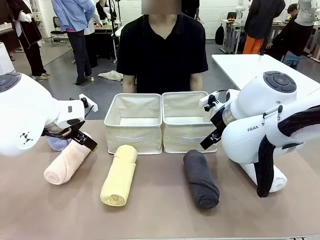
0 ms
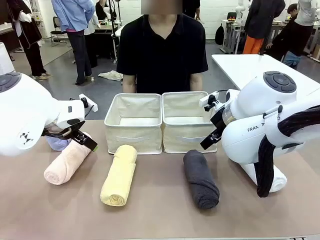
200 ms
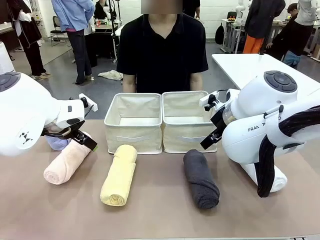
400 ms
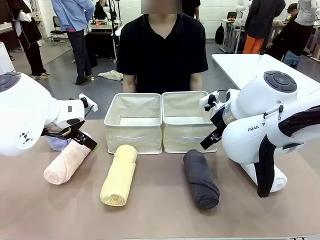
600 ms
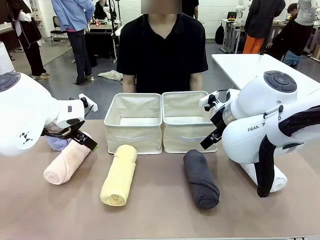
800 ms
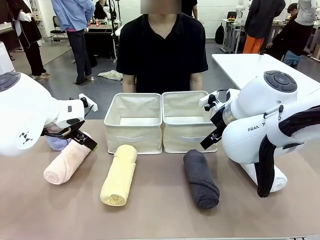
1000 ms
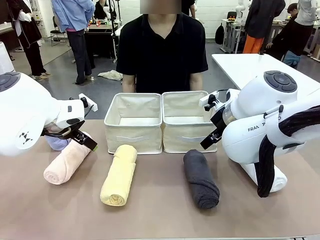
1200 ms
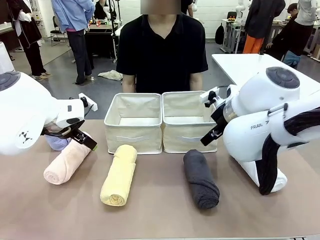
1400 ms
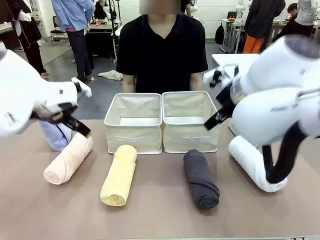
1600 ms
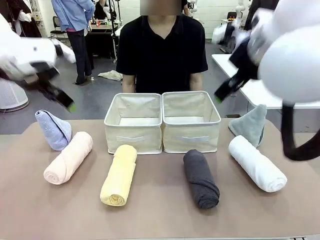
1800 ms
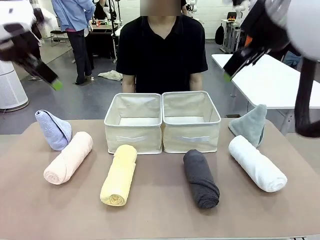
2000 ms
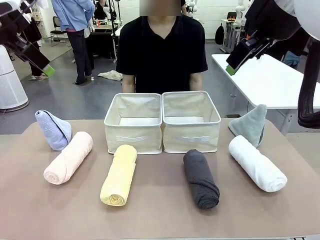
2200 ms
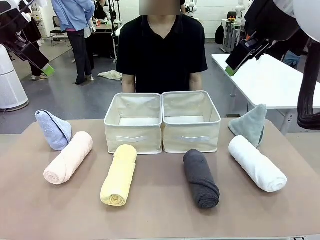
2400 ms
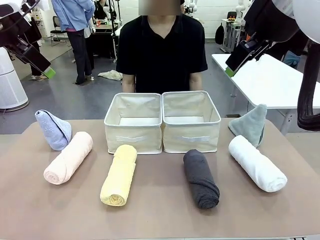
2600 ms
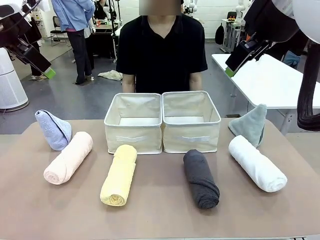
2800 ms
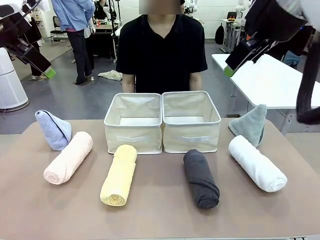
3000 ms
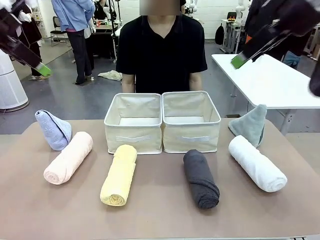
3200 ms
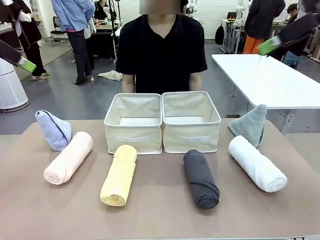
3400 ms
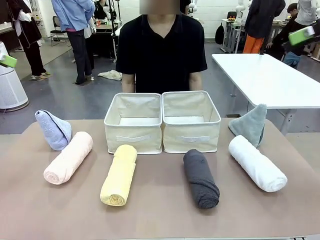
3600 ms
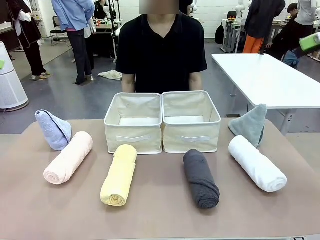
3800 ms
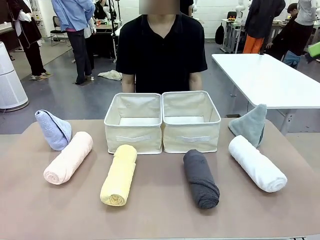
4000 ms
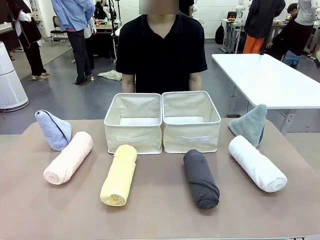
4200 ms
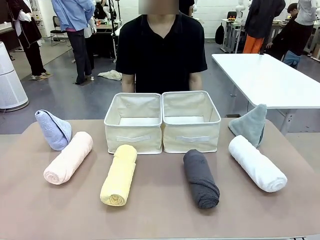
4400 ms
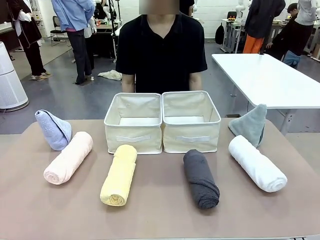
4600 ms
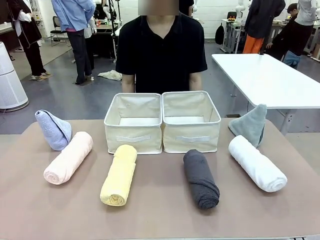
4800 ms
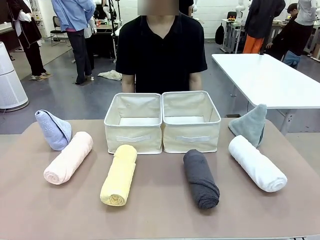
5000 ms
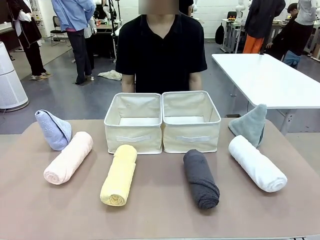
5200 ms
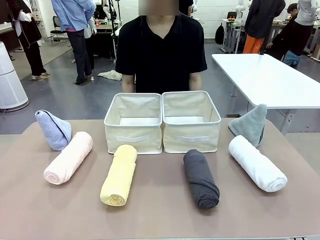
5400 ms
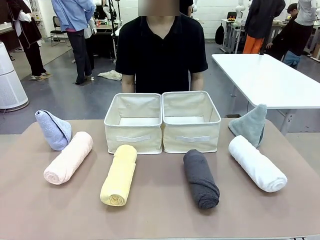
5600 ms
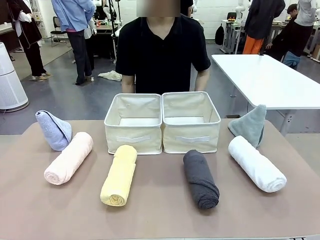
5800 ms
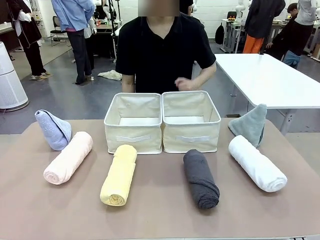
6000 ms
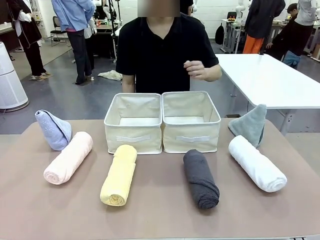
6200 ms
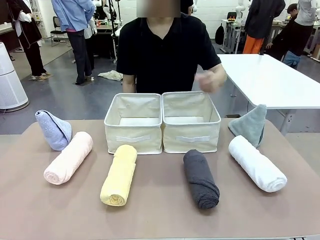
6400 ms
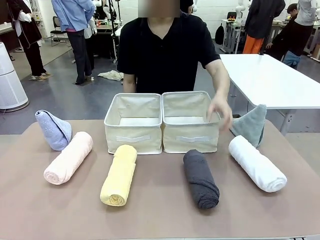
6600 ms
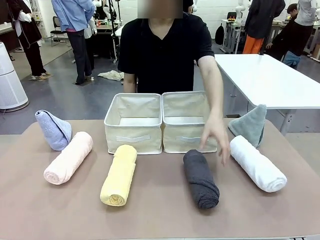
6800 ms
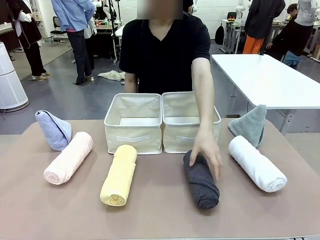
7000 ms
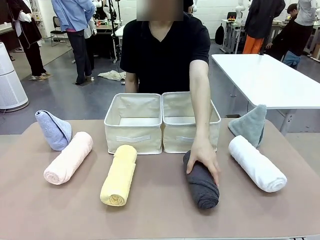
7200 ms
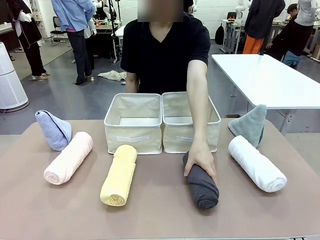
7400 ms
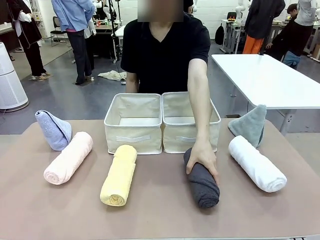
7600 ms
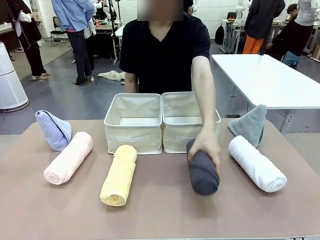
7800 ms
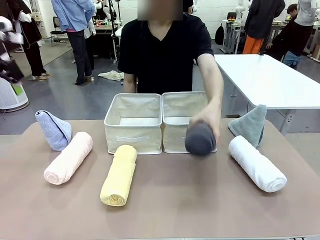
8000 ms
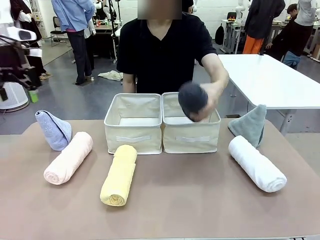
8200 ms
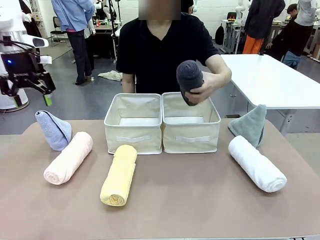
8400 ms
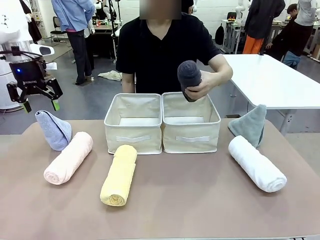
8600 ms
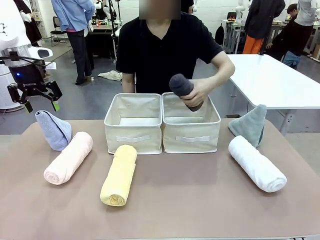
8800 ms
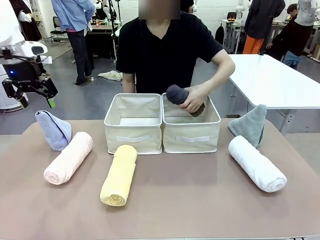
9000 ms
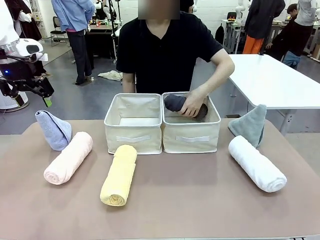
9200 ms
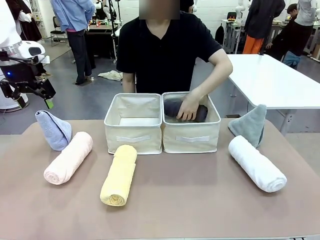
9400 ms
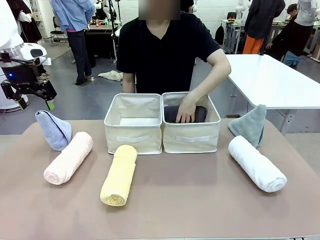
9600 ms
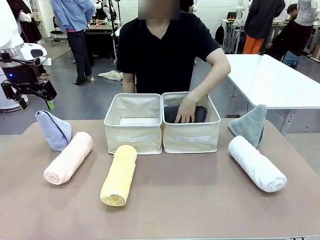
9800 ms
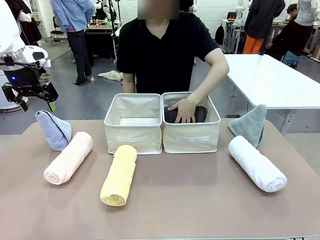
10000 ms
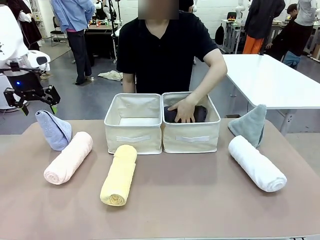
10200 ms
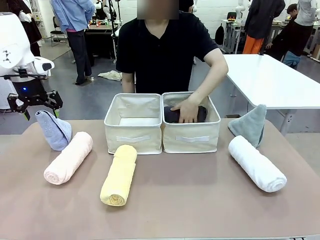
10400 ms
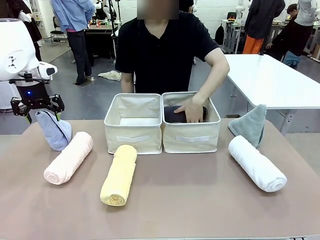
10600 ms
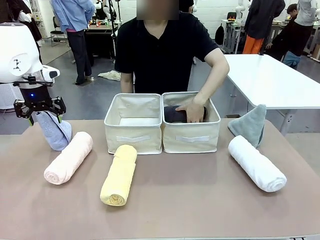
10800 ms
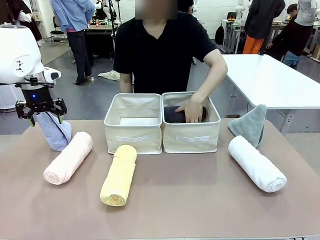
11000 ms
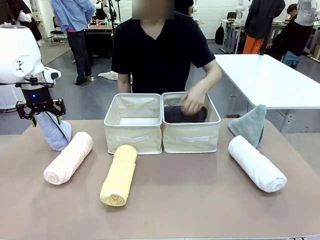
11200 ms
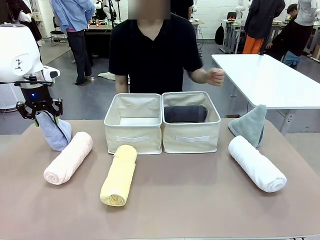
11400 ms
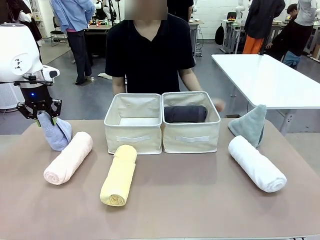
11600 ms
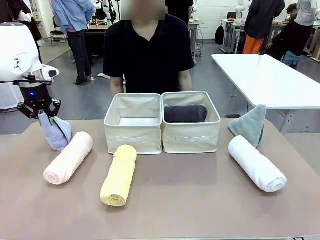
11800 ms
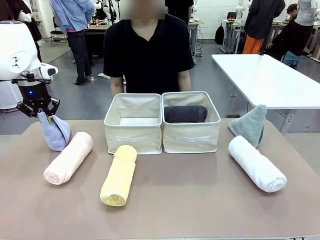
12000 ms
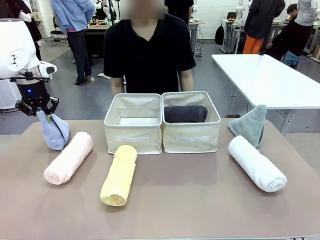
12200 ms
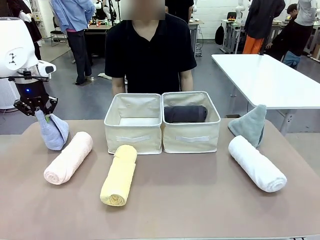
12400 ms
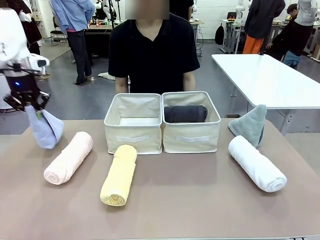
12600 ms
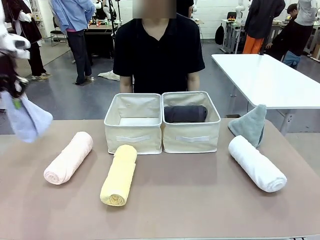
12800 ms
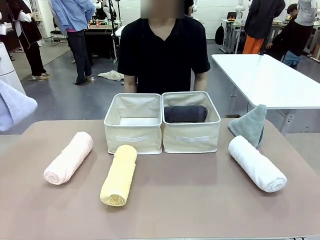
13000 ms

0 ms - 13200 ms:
Task: Sort the towels based on their folding style.
Robot: Pick up one triangle-folded towel and place it in the left Fabric basket.
Person: Pick up one hotel-style rolled towel and place it in the left fabric basket.

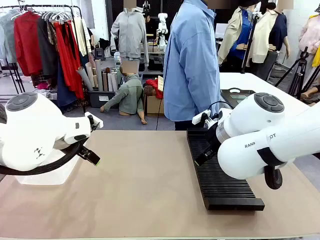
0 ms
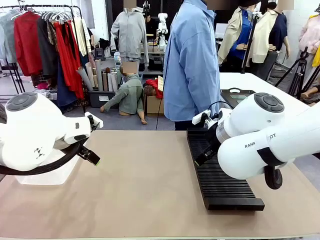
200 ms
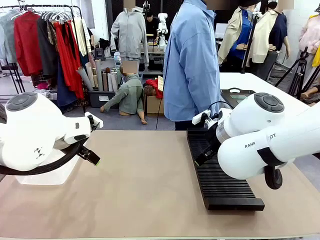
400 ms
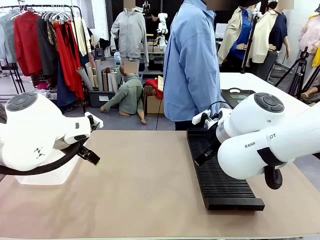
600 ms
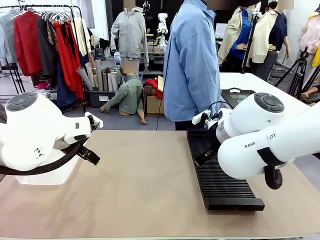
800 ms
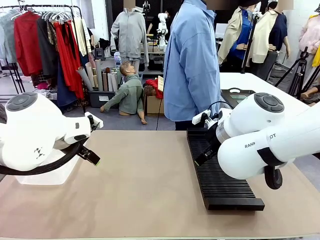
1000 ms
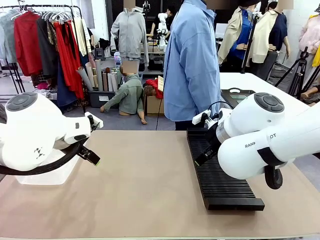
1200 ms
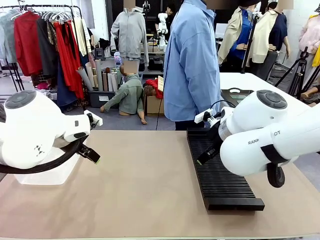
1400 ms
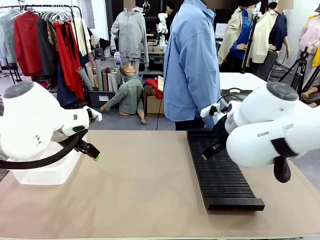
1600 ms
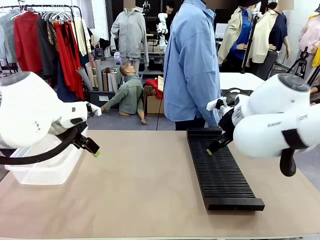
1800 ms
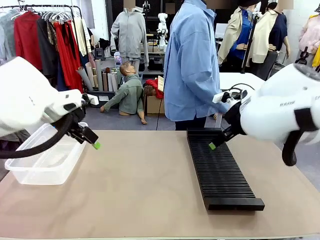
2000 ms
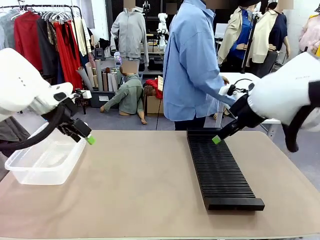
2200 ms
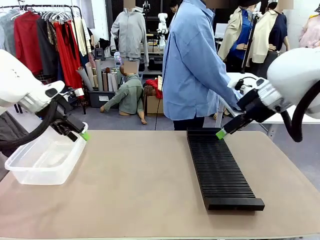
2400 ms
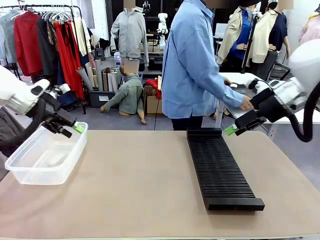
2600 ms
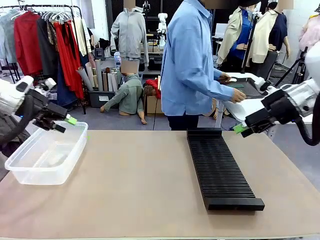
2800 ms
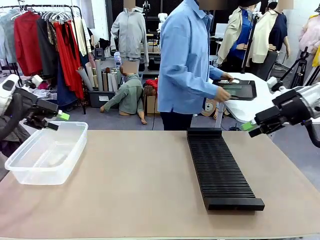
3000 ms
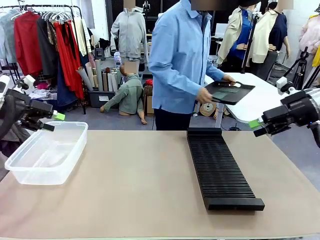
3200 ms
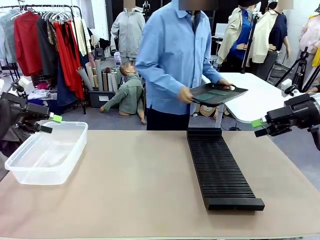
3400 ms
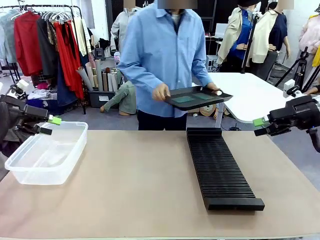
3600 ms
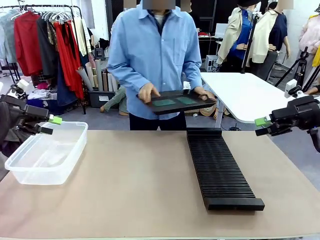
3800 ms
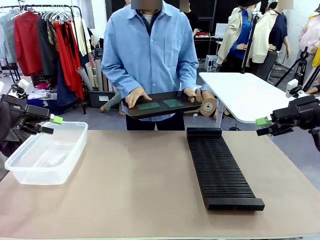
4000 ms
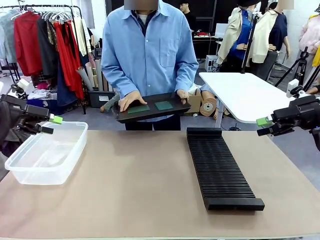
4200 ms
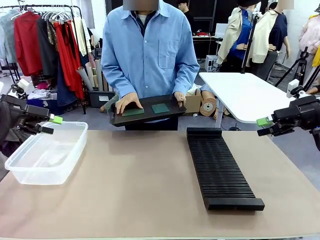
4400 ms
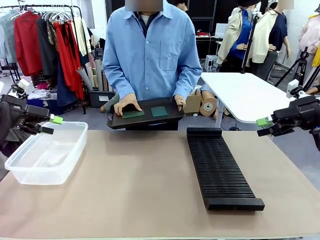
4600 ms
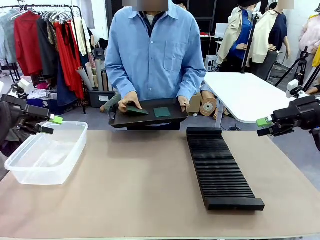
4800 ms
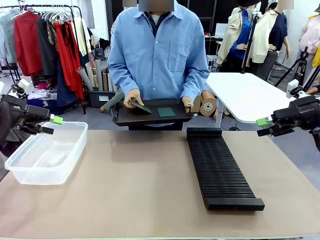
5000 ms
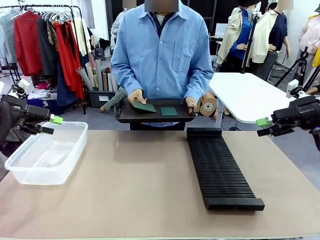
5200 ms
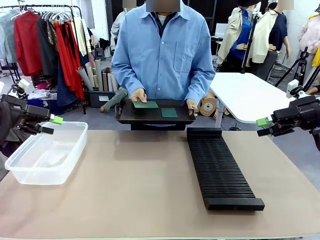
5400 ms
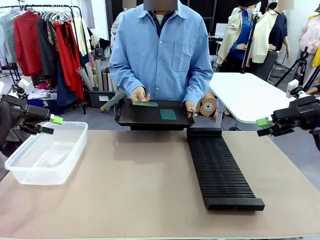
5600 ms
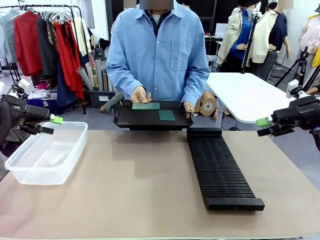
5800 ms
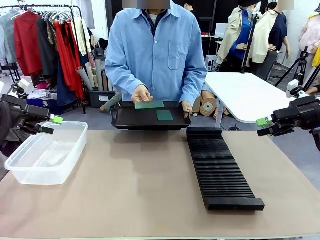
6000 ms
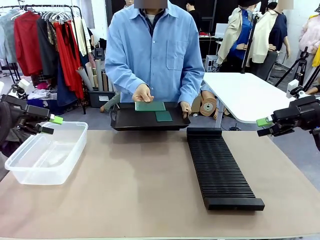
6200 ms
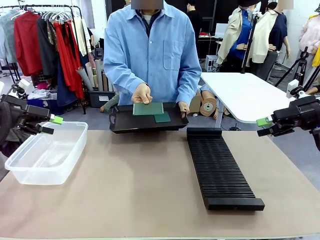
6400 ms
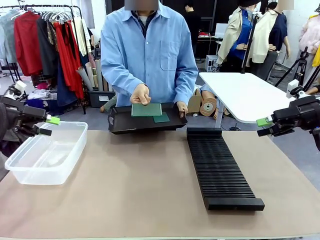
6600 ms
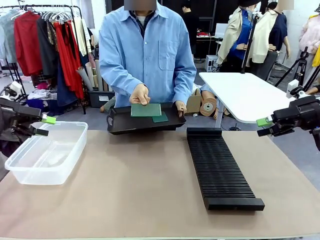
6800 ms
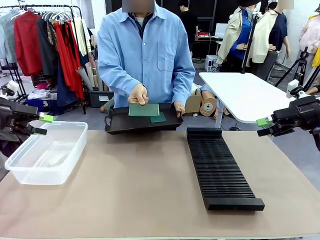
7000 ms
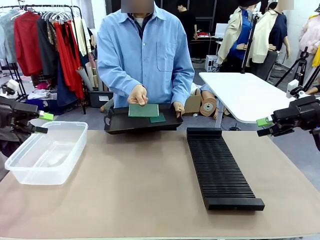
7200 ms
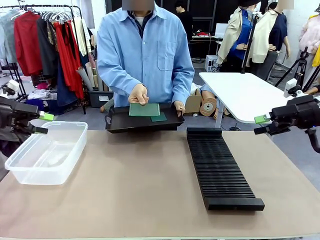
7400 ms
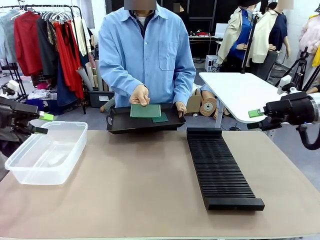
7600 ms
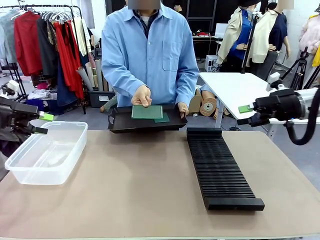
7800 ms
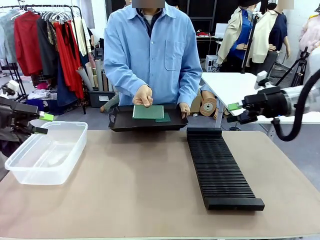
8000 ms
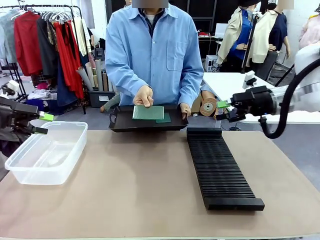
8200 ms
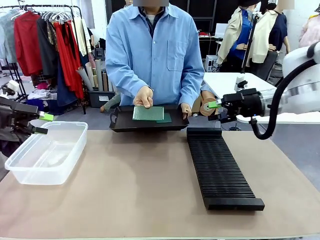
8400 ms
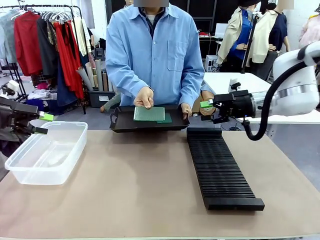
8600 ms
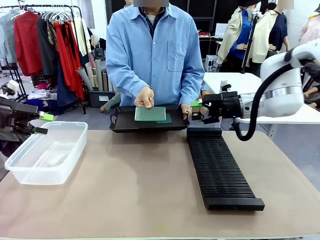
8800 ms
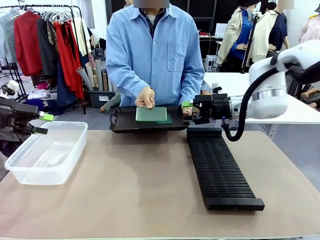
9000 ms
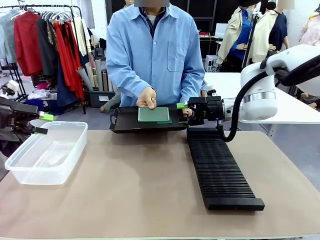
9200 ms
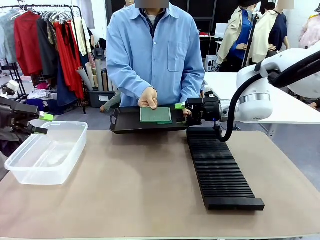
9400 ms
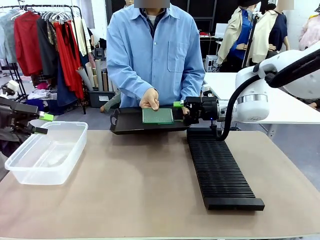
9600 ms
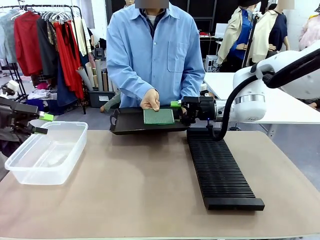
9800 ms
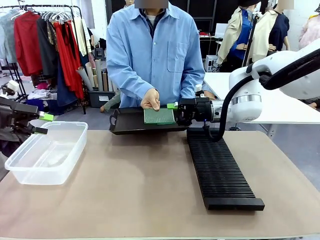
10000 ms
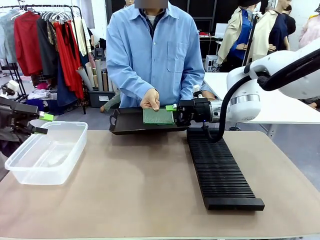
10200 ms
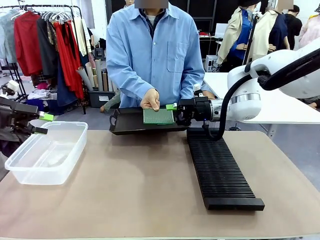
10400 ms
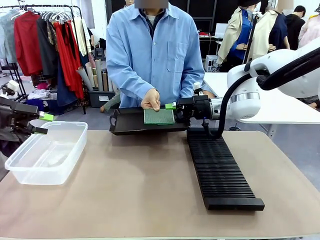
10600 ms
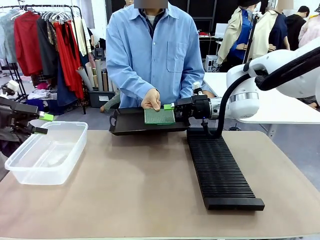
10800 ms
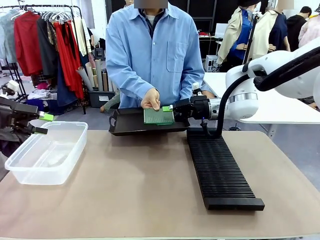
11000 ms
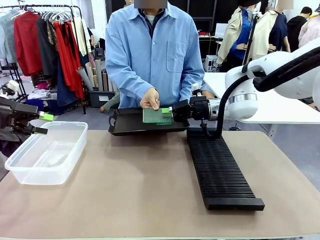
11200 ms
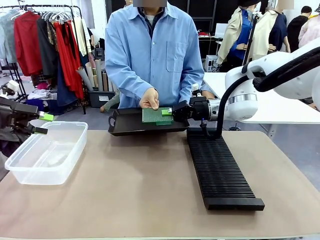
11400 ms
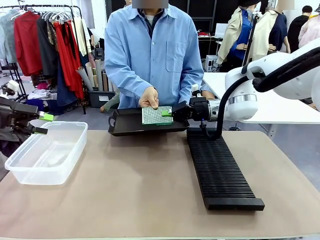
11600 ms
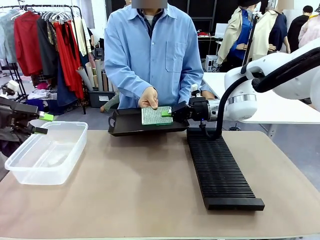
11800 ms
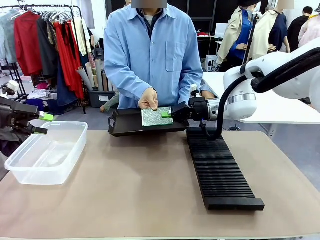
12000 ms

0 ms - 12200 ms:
Task: Sort PCBs into racks and boxes based on the side picked up.
Robot: Pick up the Blank PCB handed by the Human.
Person: Pick one PCB from the tray and present it to the robot. Release the PCB being held.
